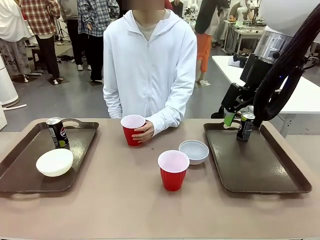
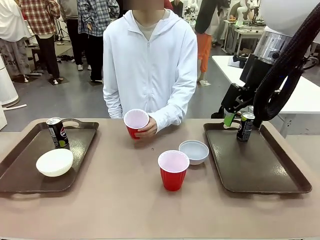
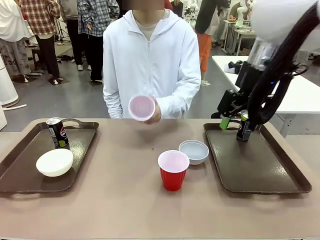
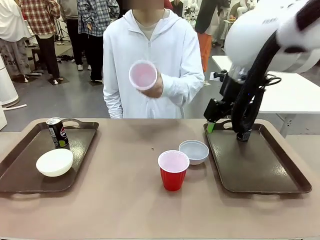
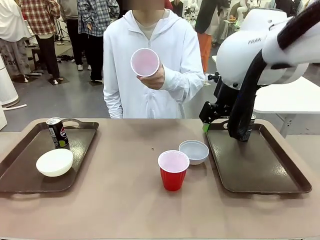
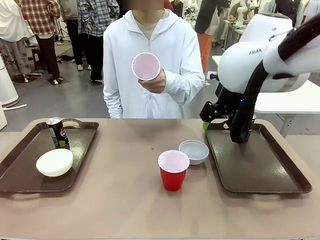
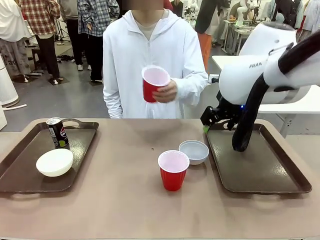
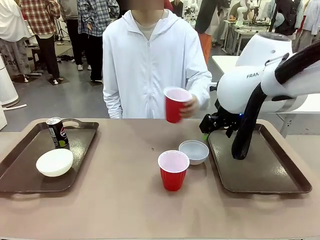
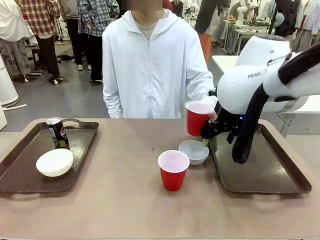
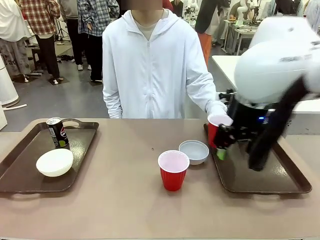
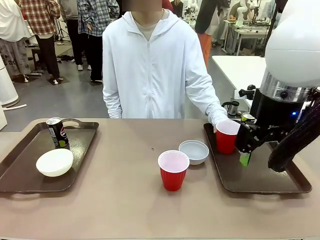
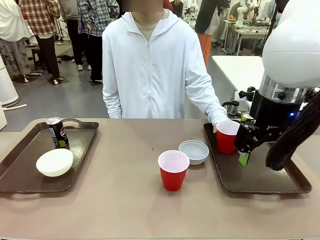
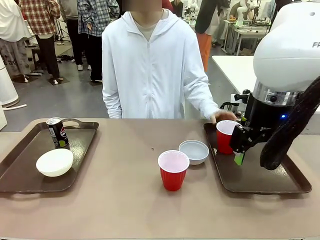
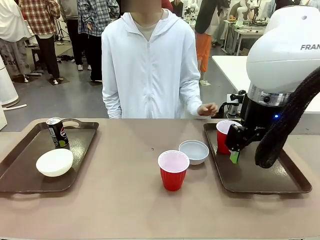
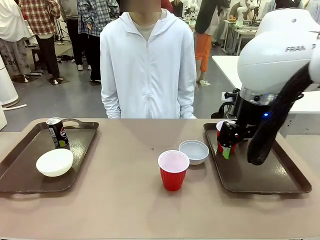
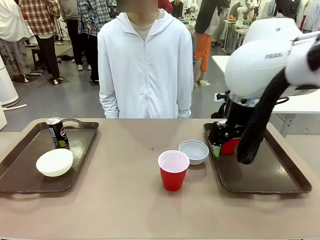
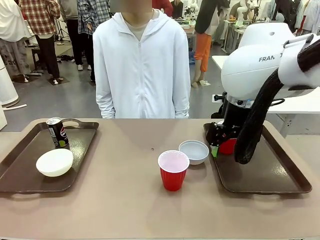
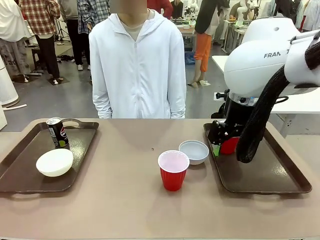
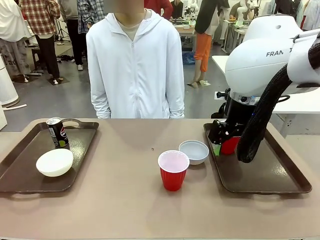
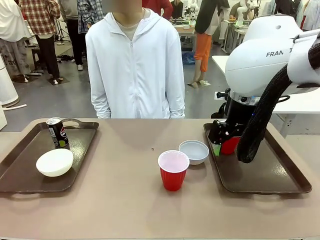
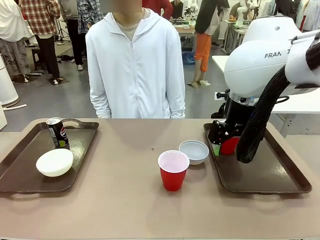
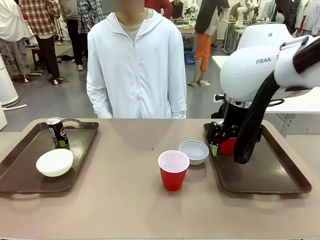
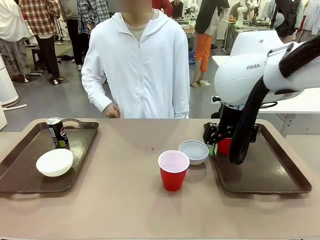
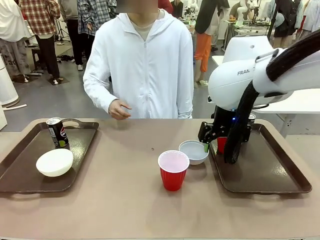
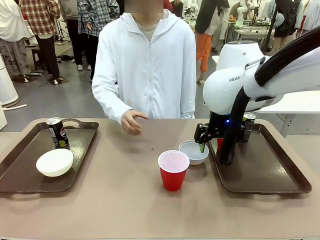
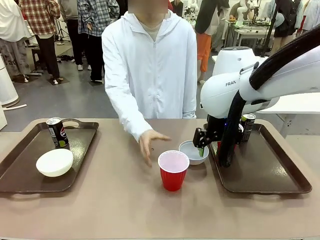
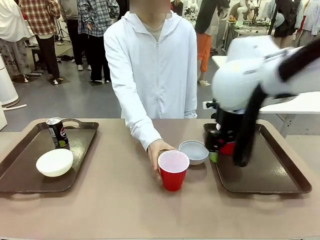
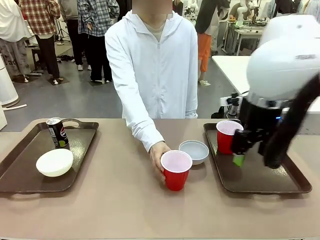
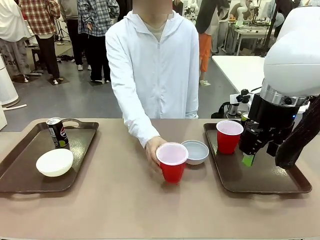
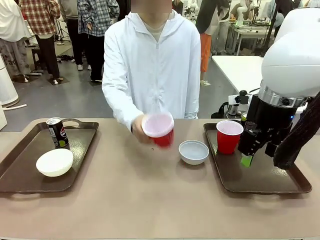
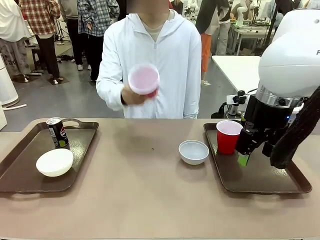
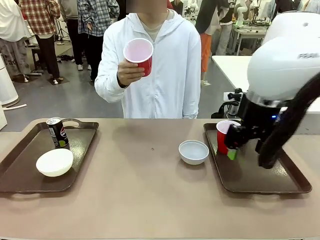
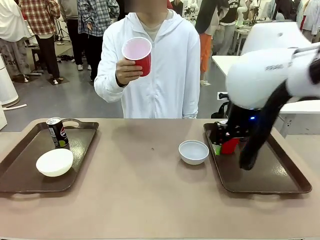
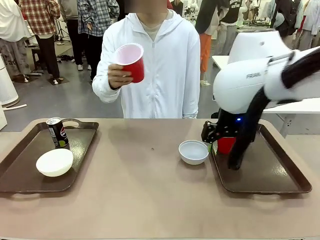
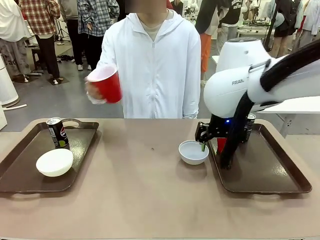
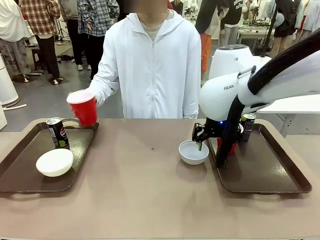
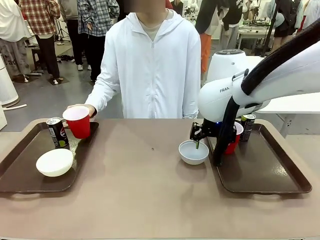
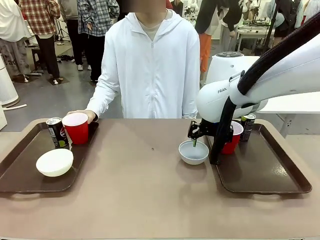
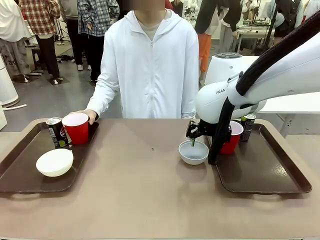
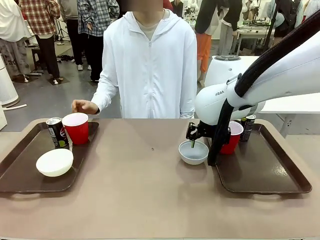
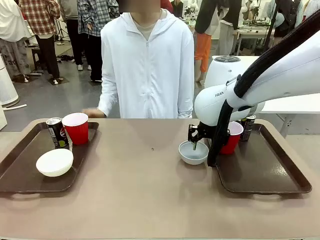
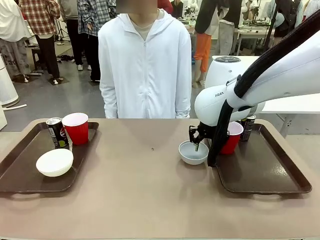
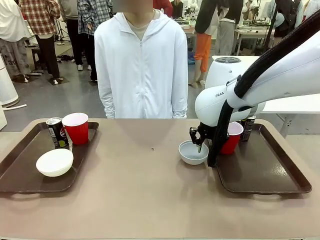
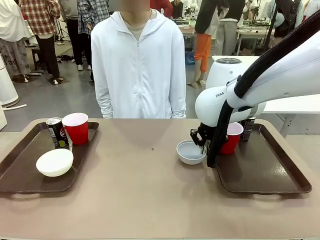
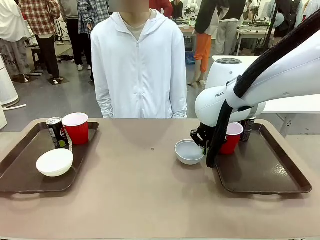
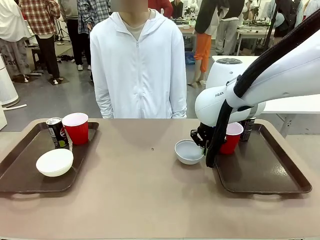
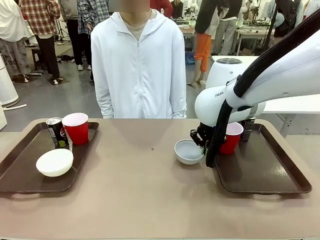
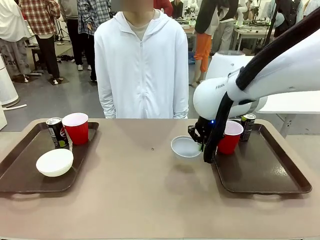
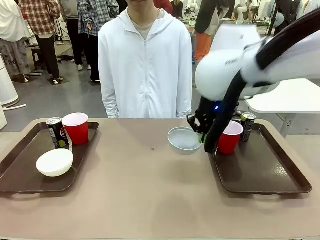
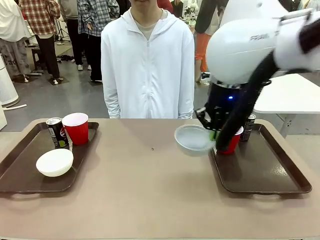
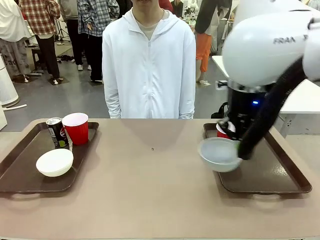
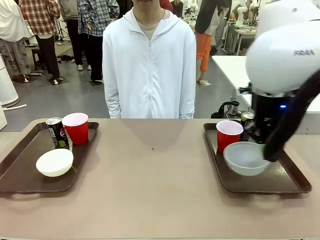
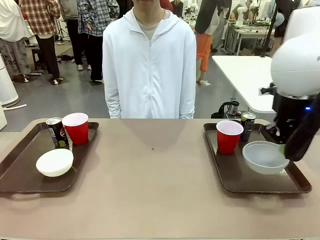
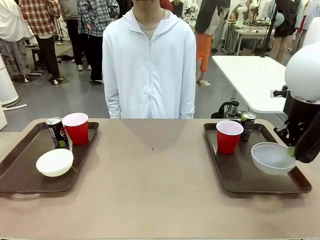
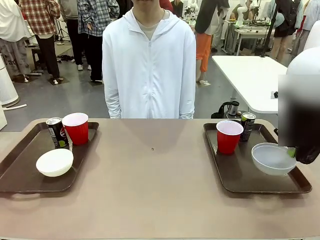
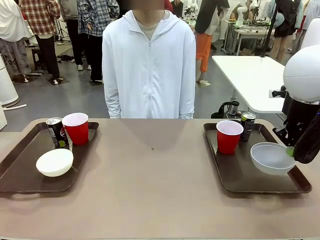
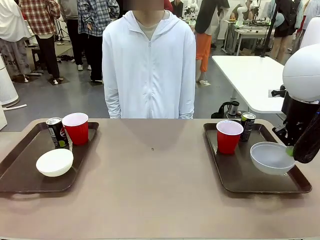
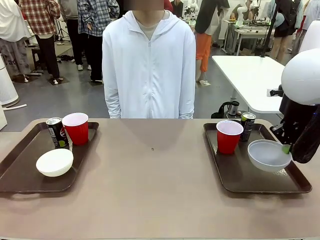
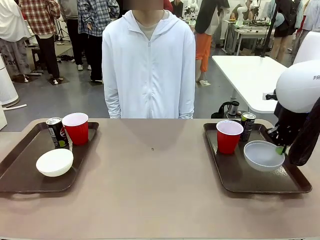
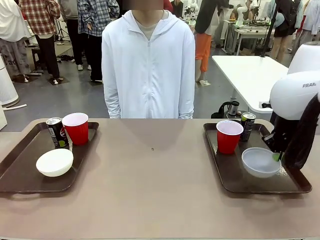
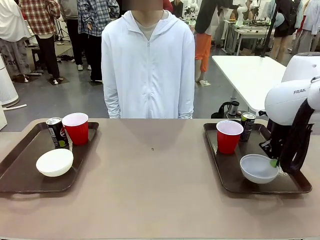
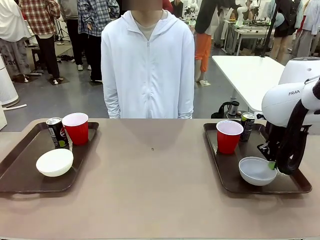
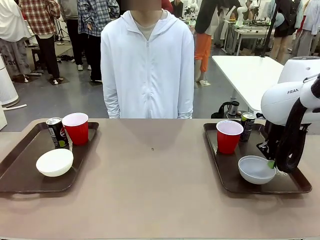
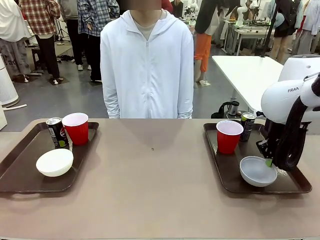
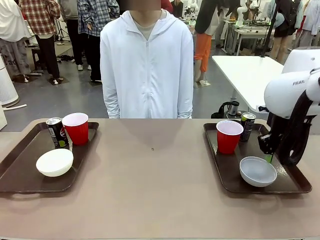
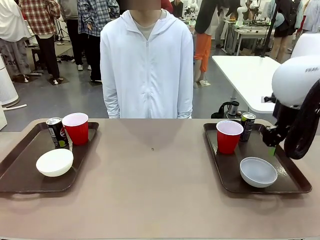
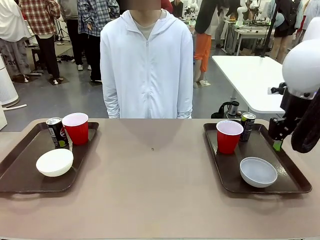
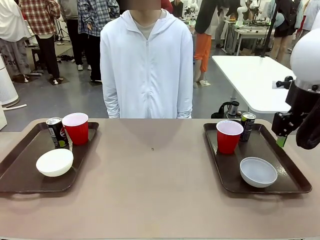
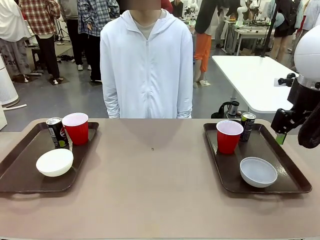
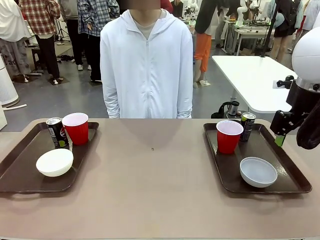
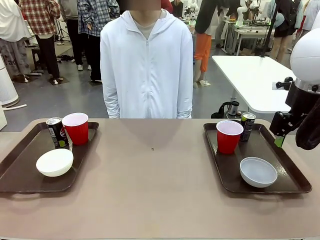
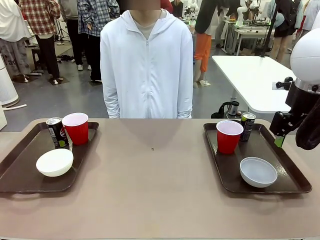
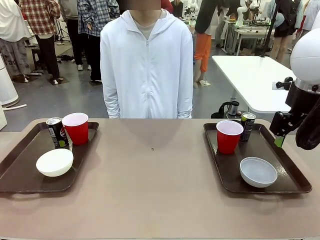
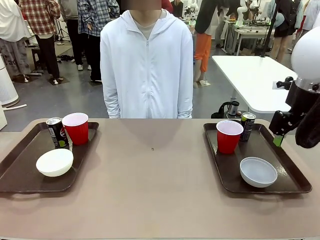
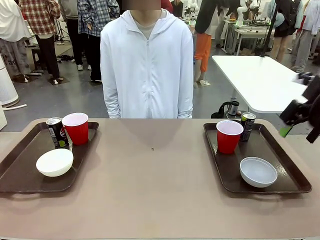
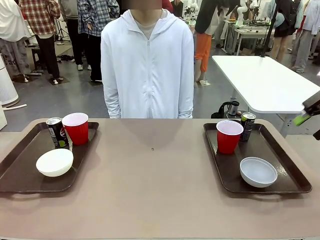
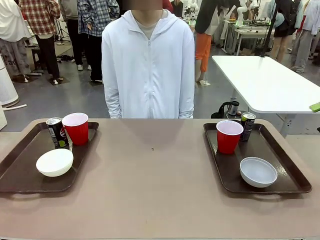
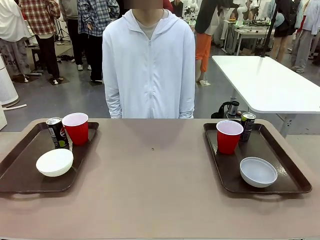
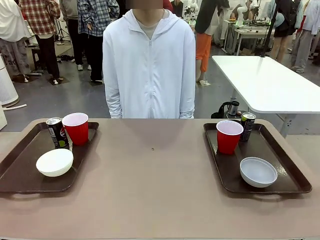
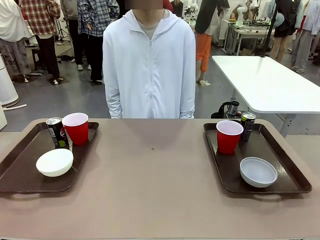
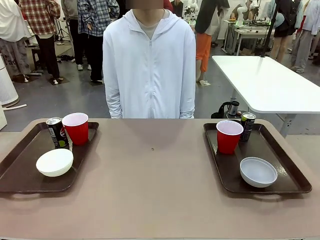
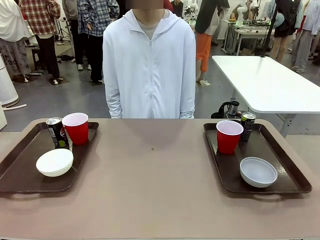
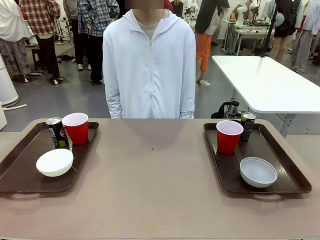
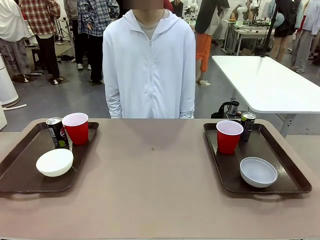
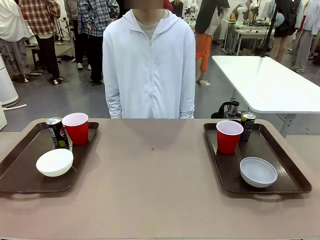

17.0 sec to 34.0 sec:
Task: Prepare tableware on both trays.
Robot: Pick up a Picnic Bowl from the table and place it on a Handle tray.
Person: Pick up a can or cup and place it on the tray without a can or cup.
